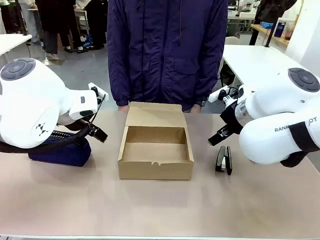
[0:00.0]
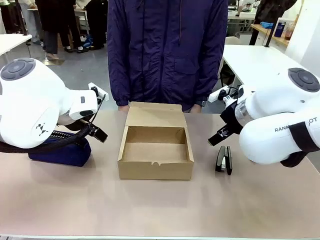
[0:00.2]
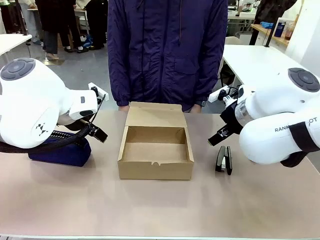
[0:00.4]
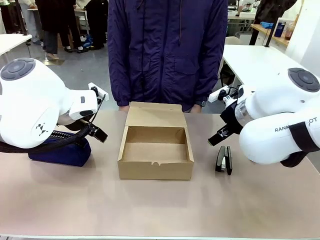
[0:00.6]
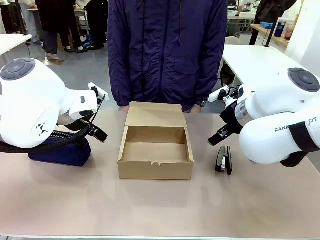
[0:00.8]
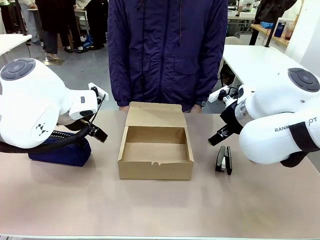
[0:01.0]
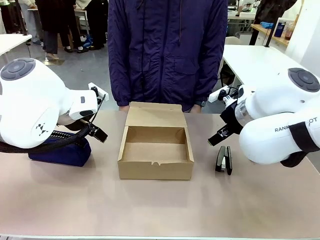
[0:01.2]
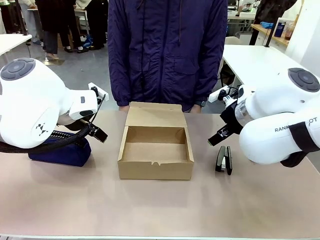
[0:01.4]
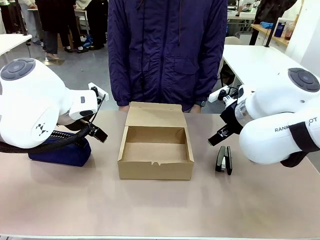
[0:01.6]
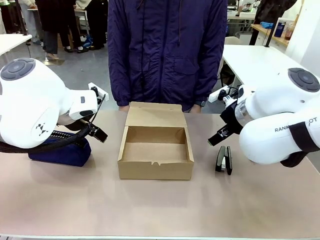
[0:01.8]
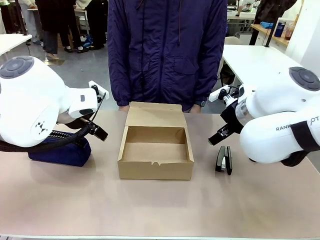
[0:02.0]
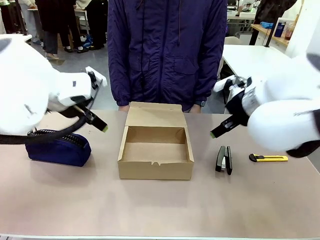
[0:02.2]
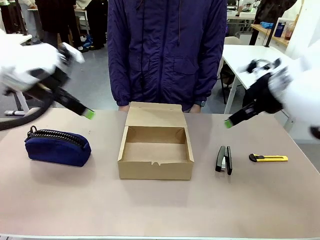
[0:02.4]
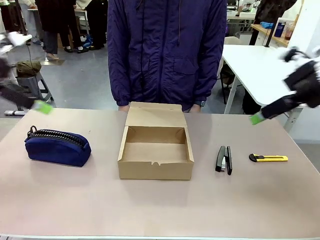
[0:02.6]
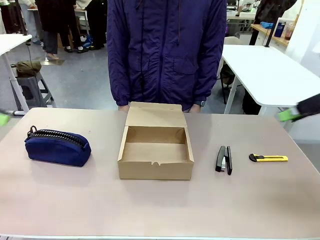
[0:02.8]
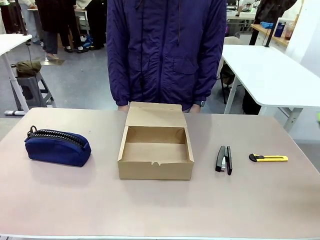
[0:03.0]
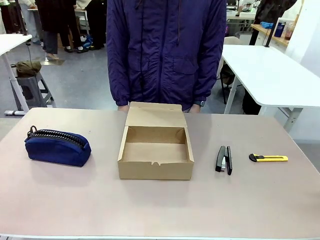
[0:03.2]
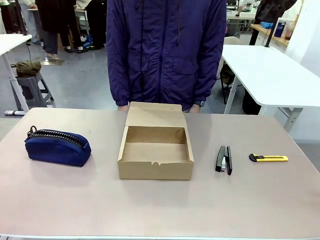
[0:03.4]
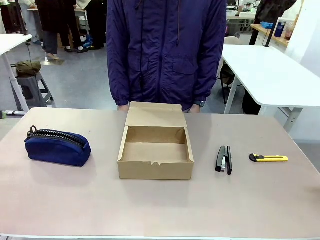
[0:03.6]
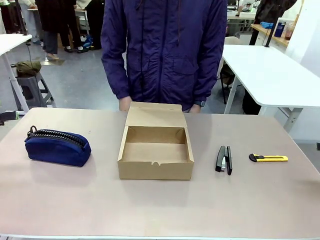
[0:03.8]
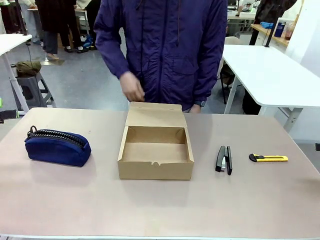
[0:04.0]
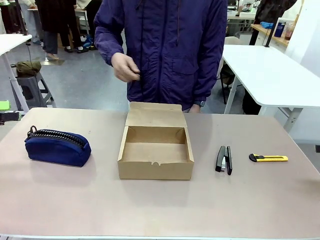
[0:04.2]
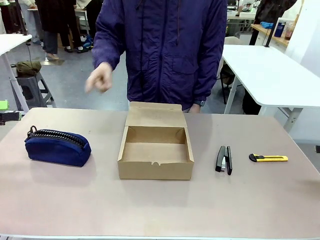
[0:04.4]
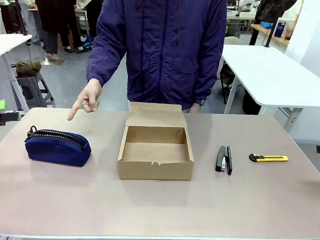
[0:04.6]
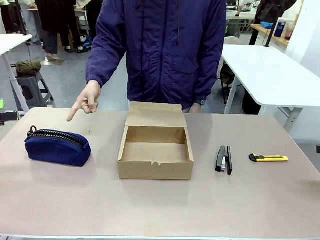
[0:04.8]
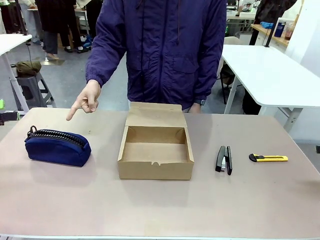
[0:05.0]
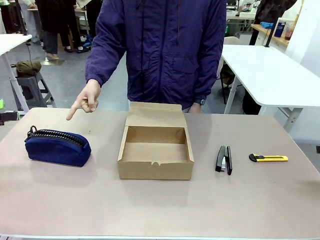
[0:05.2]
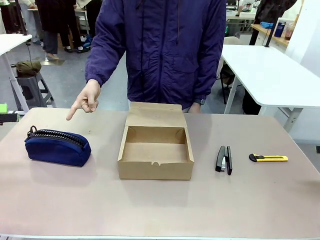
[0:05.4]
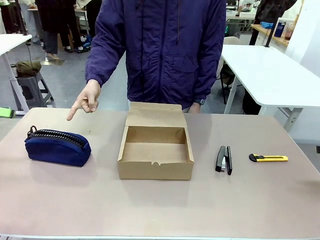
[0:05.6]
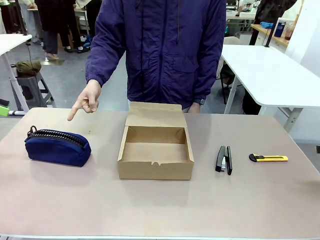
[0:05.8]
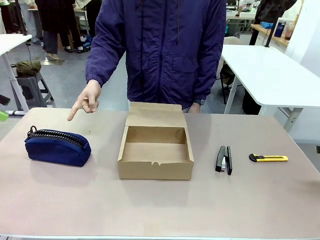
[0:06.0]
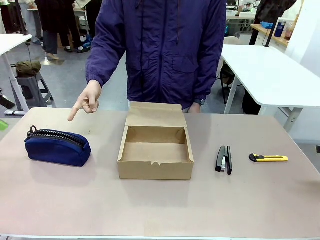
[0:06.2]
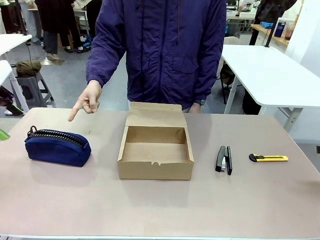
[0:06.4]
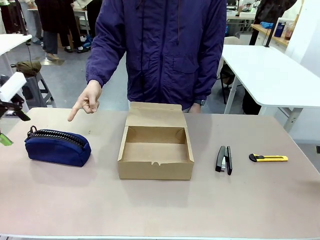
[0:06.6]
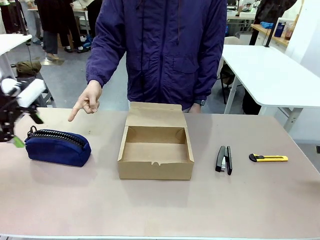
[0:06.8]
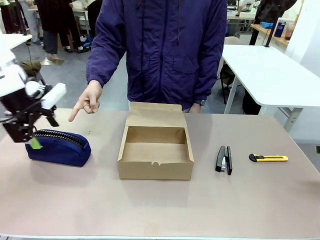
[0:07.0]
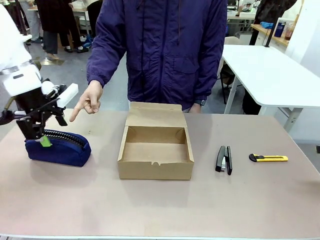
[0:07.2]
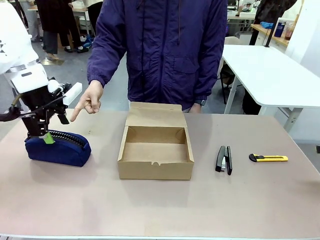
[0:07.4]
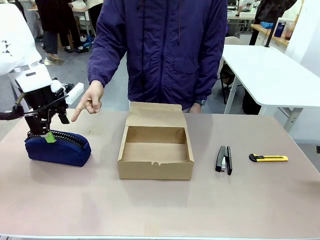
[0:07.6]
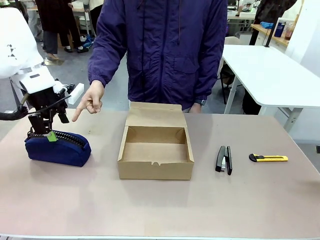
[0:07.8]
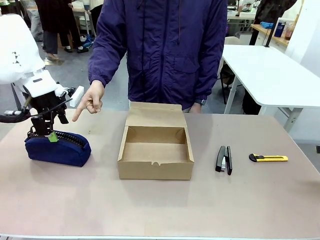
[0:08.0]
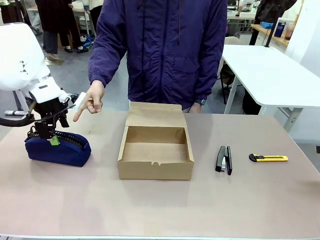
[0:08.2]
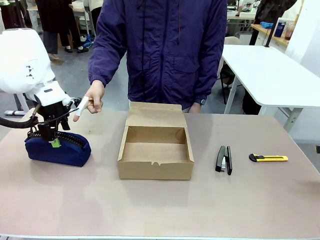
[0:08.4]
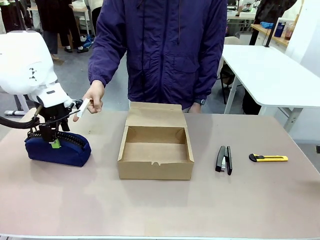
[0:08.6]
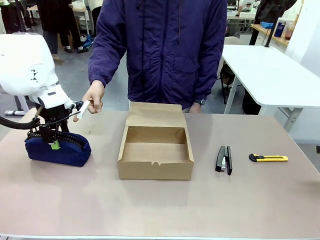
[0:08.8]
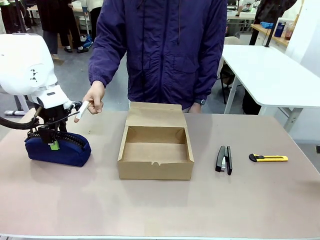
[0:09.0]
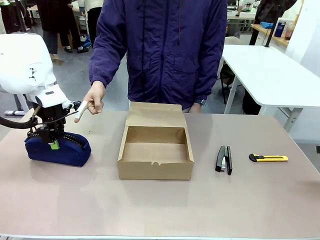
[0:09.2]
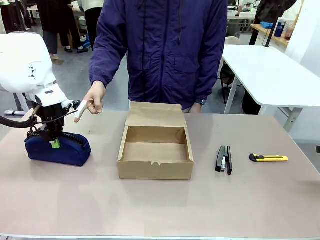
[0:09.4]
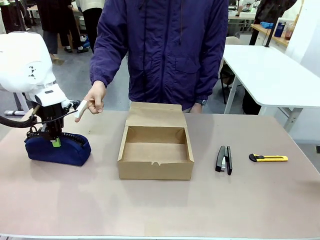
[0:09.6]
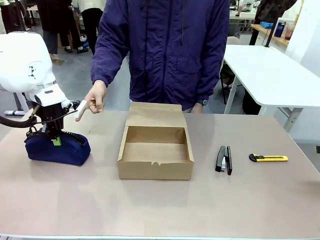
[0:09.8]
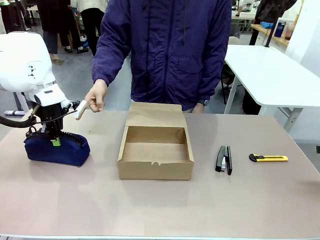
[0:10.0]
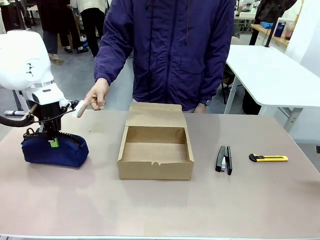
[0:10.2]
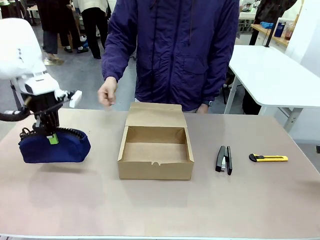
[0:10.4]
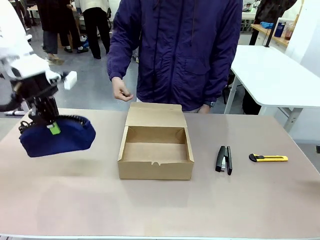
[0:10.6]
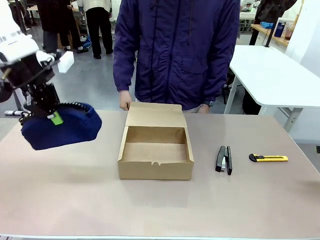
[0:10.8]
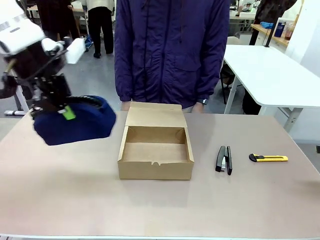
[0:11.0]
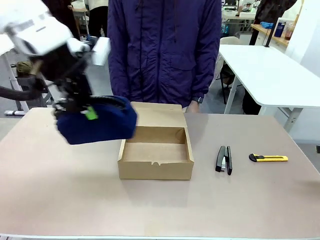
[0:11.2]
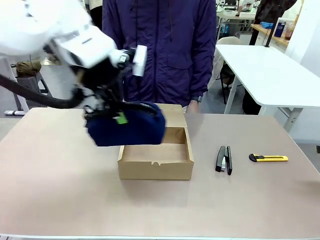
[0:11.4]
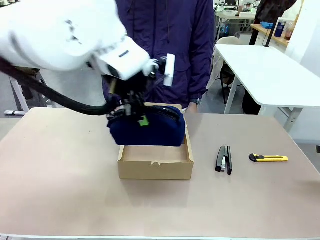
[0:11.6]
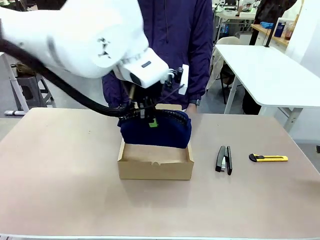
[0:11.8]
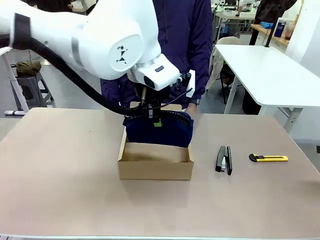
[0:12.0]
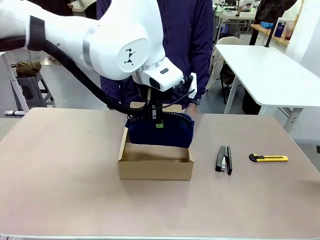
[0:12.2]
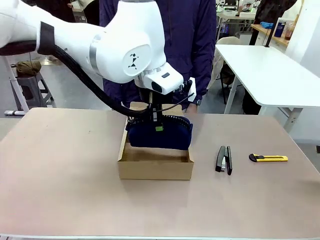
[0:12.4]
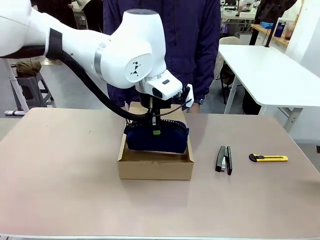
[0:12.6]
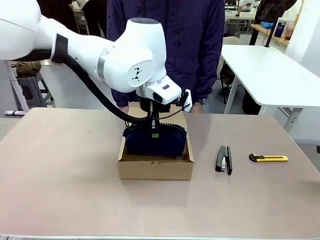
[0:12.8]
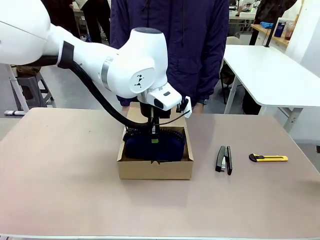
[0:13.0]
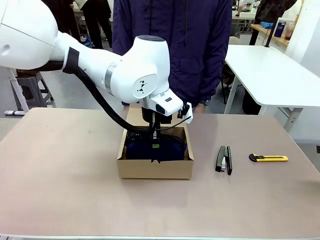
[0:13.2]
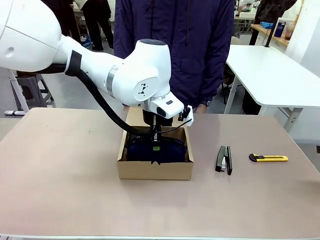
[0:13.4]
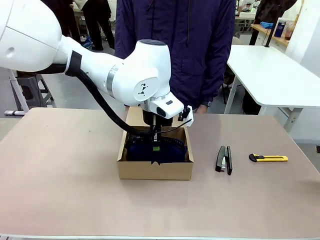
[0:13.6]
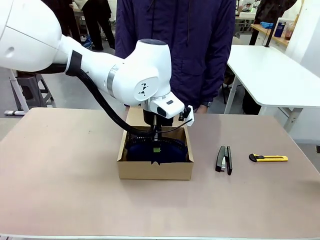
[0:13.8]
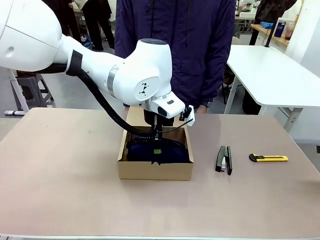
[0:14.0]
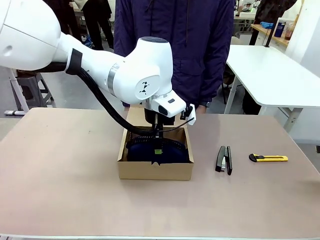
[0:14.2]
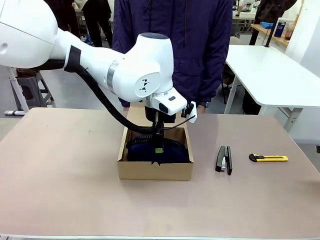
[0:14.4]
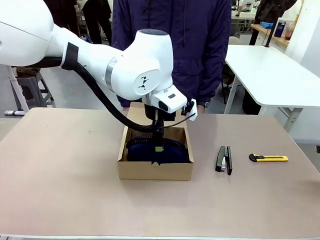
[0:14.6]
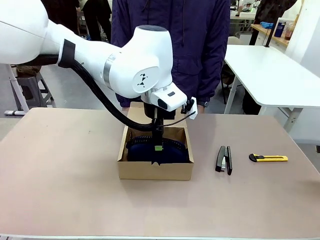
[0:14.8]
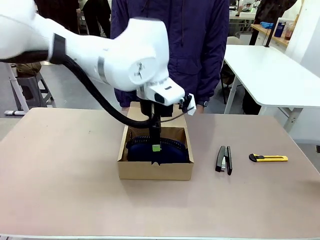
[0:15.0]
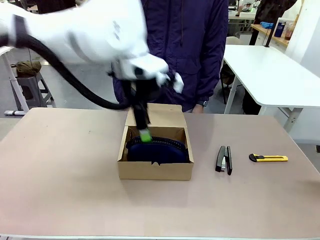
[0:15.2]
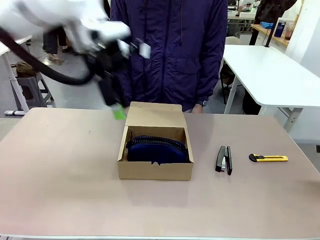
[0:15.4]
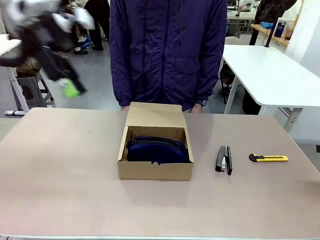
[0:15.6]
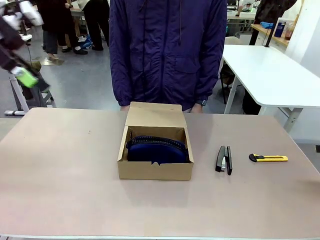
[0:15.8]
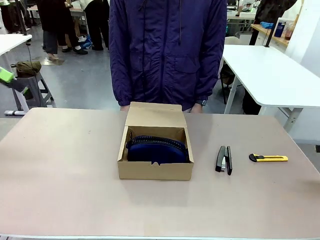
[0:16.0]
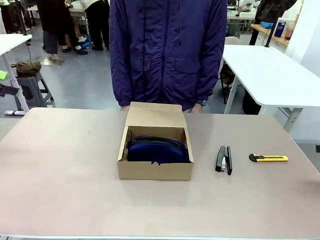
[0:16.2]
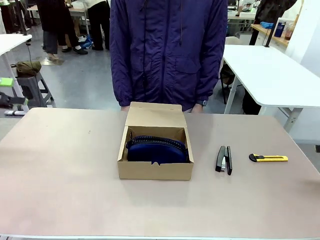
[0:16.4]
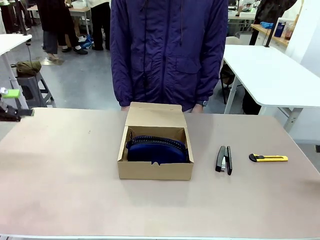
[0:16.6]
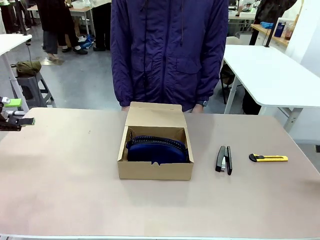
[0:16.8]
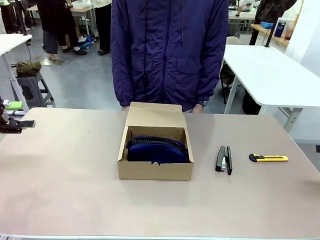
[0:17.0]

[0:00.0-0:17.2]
Task: Pack the item into the box.
Robot: Pick up the item indicated by the person and place it inside the Mailer Box.
Person: Point at one item on the table (excluding the box).
